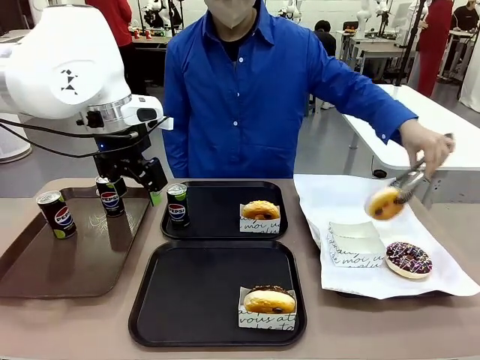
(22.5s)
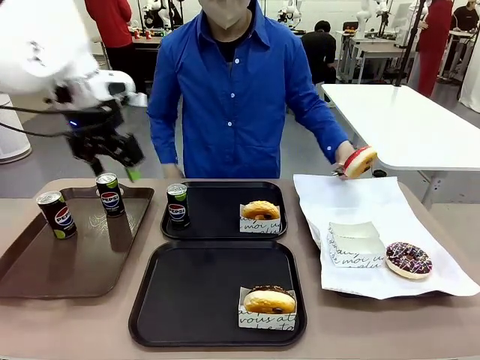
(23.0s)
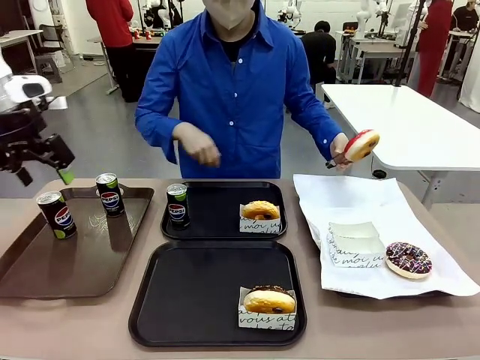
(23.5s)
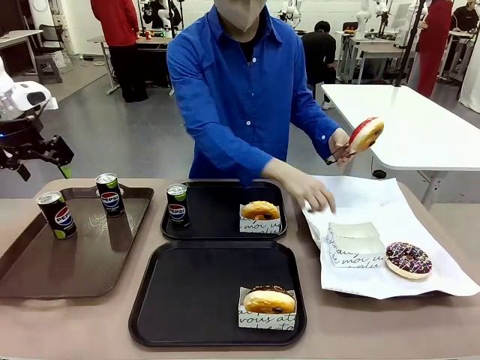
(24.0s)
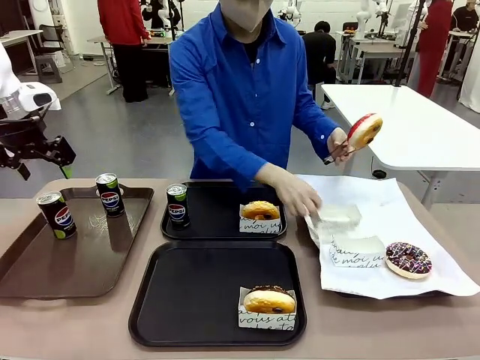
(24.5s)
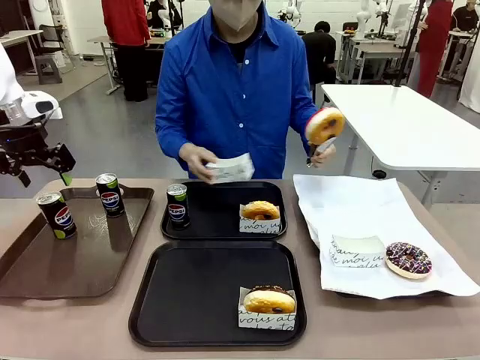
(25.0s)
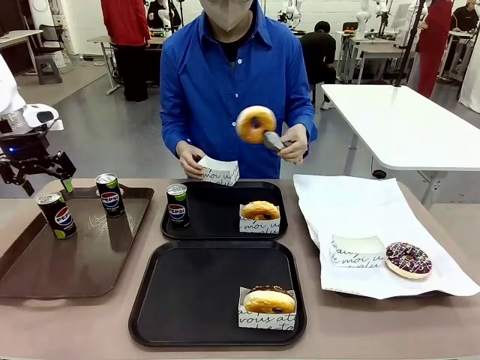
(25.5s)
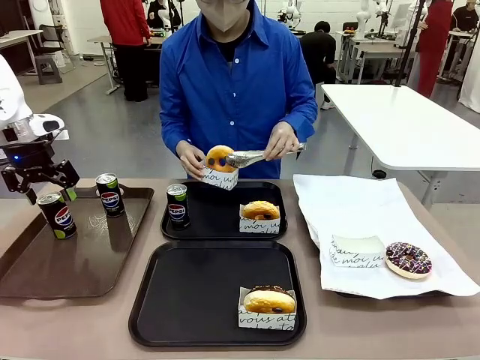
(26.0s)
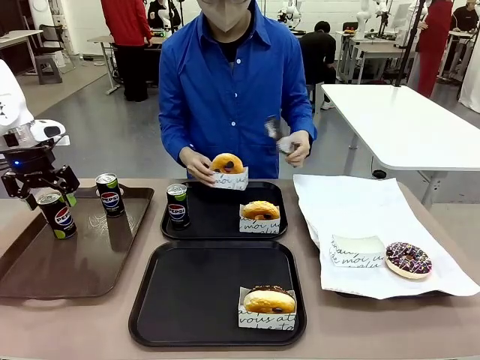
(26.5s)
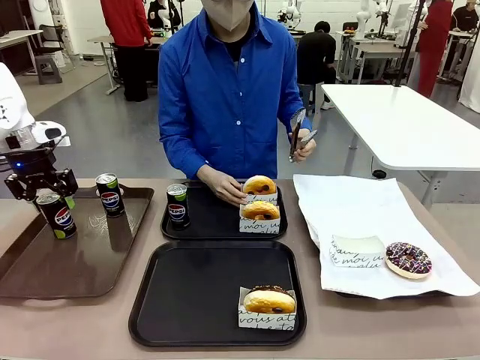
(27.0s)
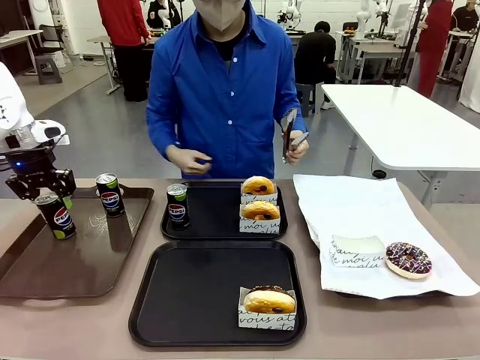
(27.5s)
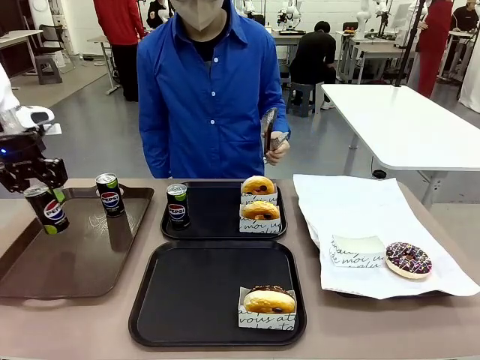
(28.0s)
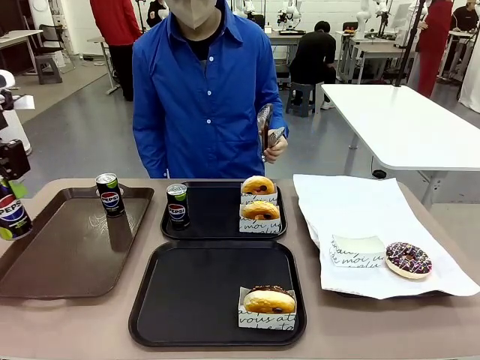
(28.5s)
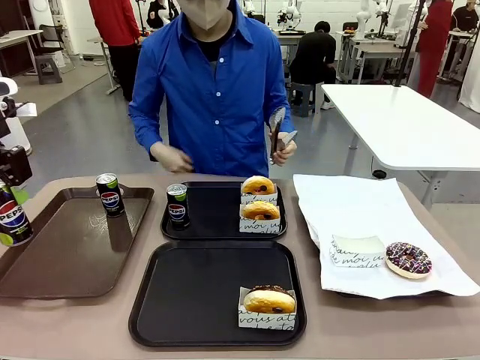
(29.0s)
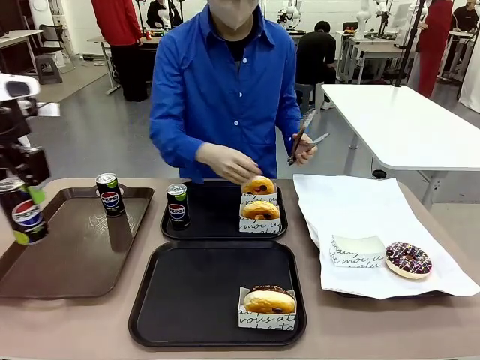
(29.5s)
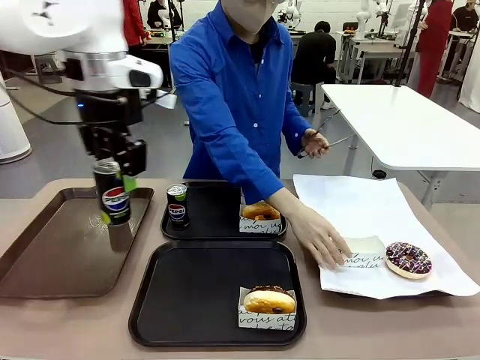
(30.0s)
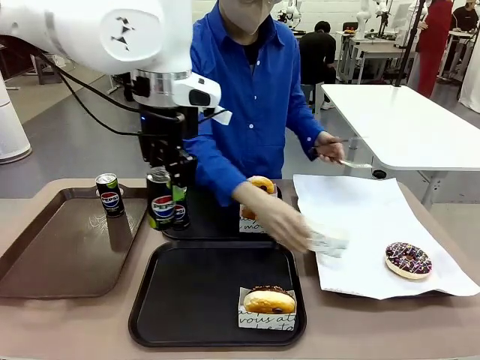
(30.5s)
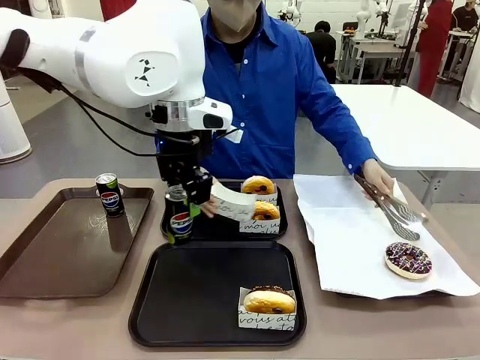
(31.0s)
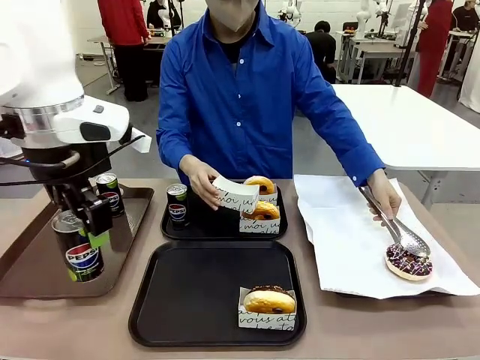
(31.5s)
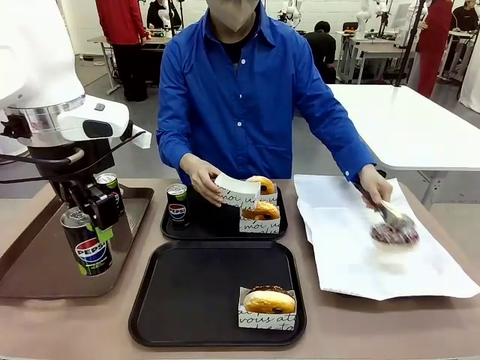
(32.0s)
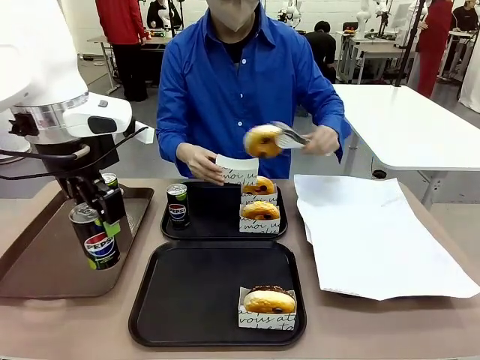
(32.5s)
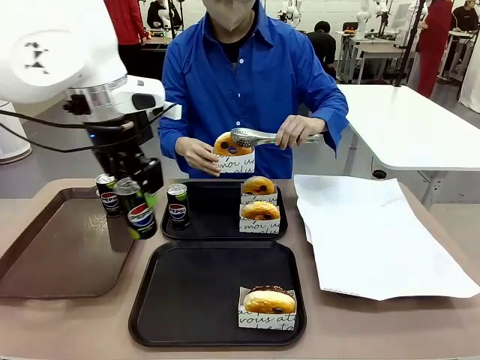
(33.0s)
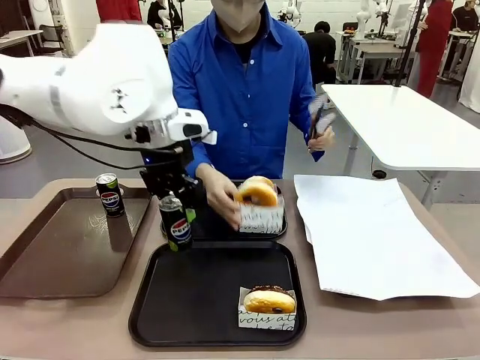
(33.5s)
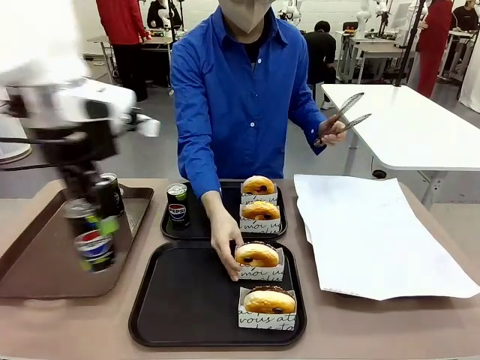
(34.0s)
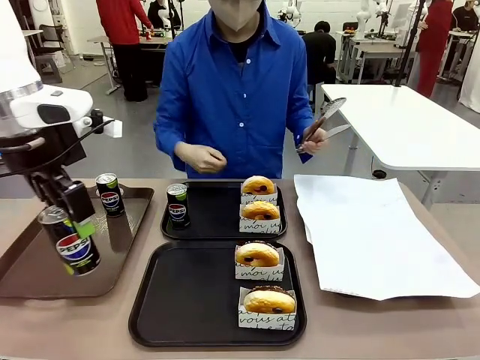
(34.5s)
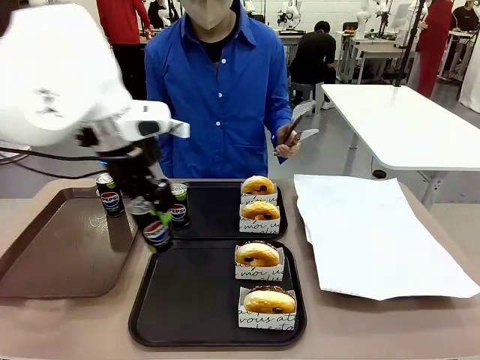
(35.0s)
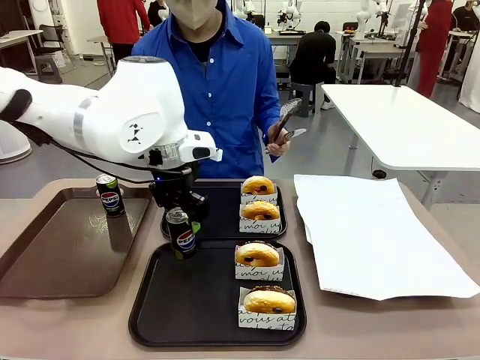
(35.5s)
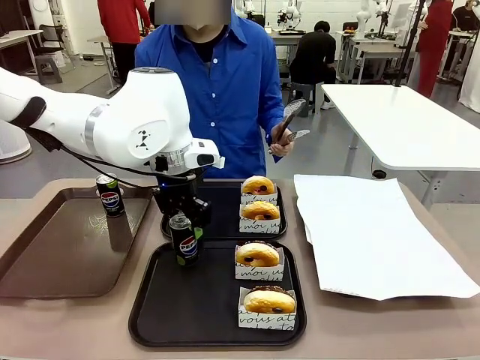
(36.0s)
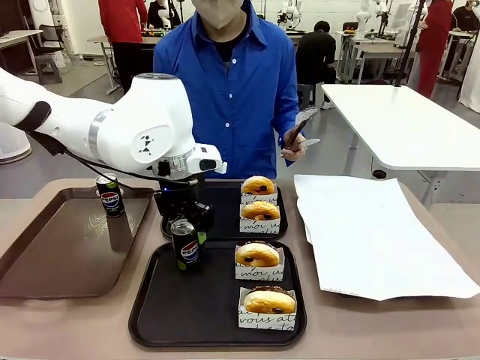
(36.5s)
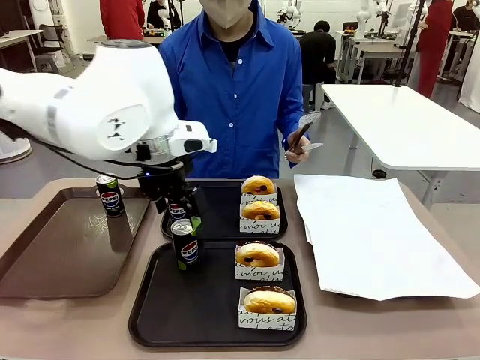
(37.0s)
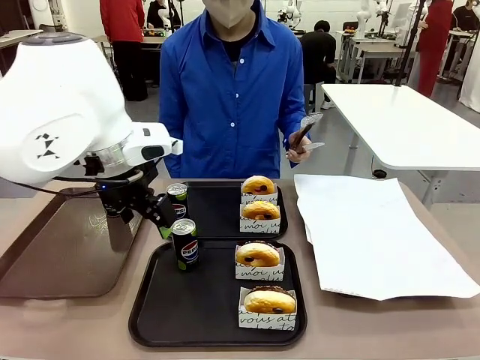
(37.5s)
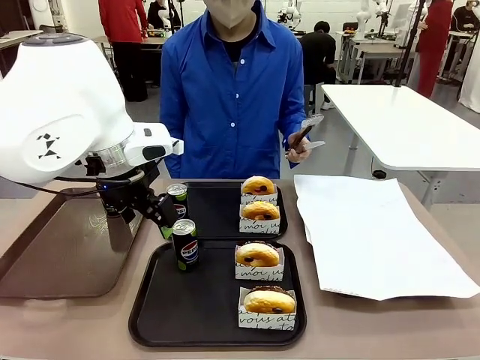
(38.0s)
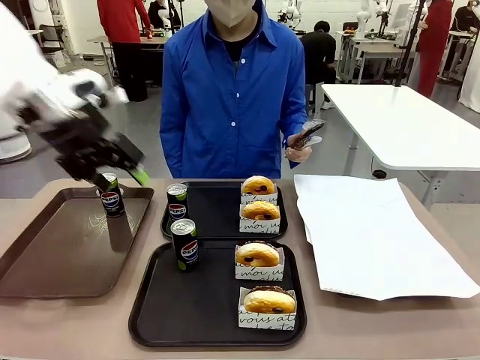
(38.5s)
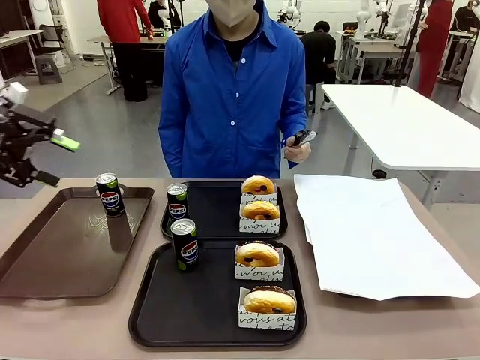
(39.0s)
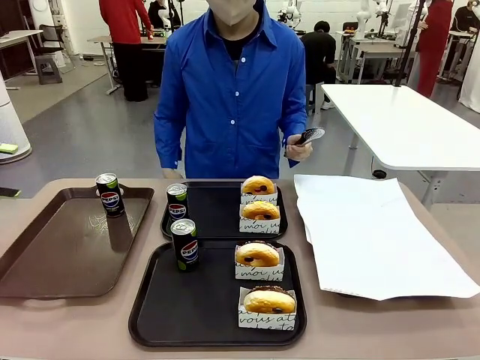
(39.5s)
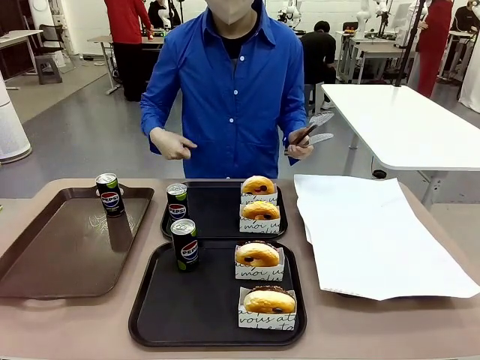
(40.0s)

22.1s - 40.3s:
Task: Set up donuts and drinks on trays.
Robot: Pick up one Pepsi coke from the Handle tray and place it on the Flat Tray without a Pepsi coke.
